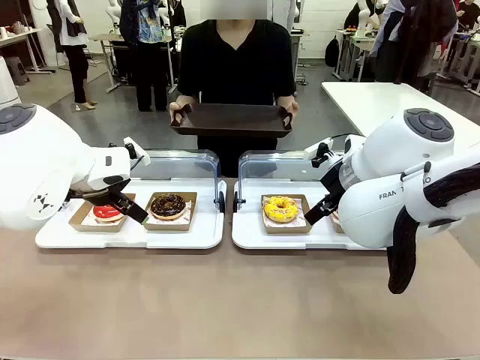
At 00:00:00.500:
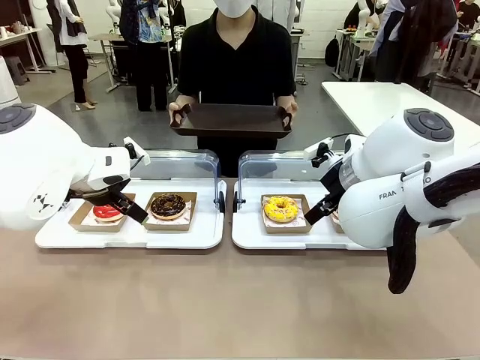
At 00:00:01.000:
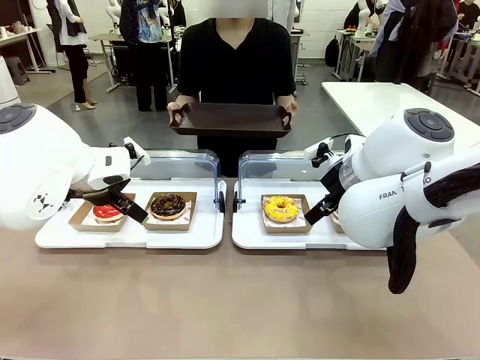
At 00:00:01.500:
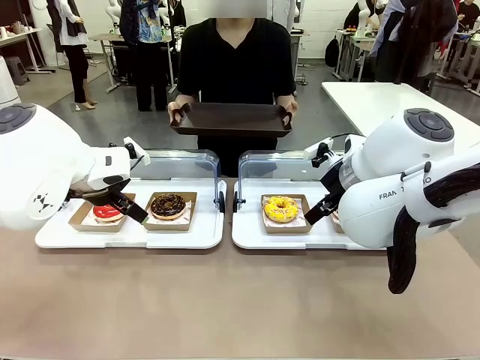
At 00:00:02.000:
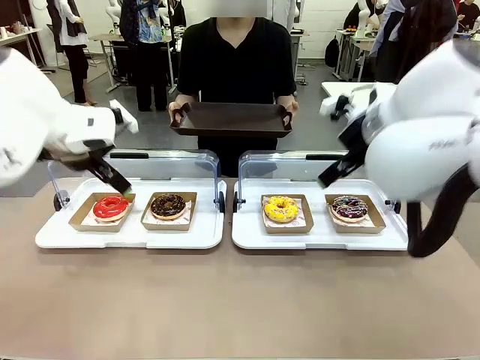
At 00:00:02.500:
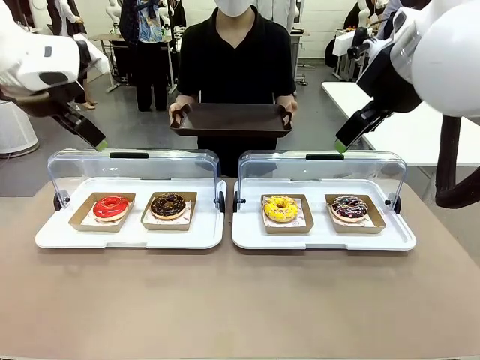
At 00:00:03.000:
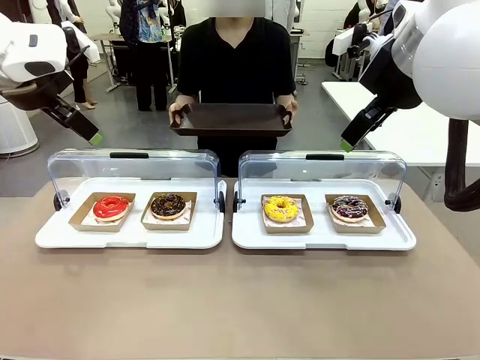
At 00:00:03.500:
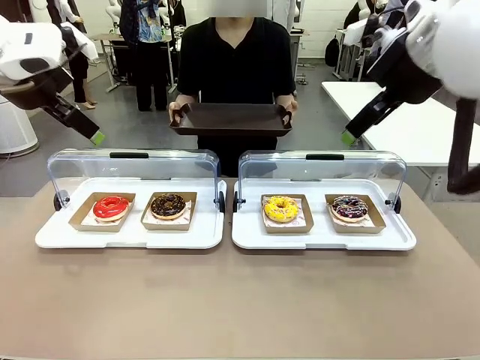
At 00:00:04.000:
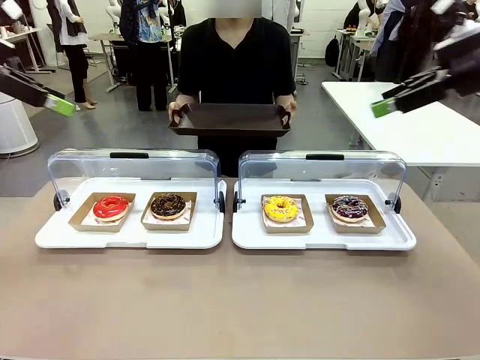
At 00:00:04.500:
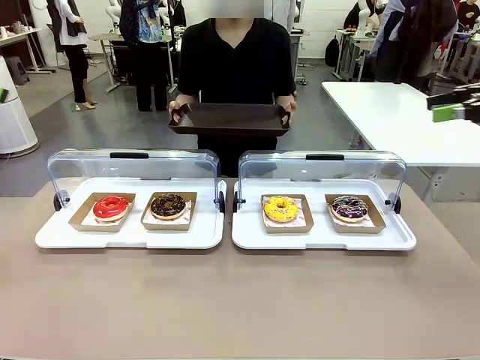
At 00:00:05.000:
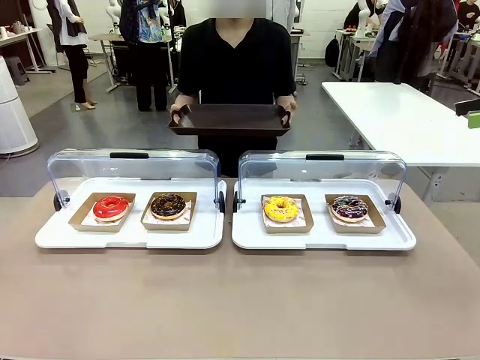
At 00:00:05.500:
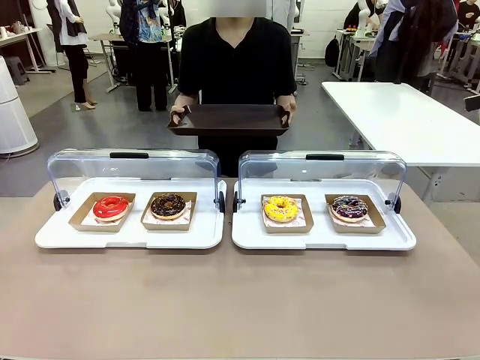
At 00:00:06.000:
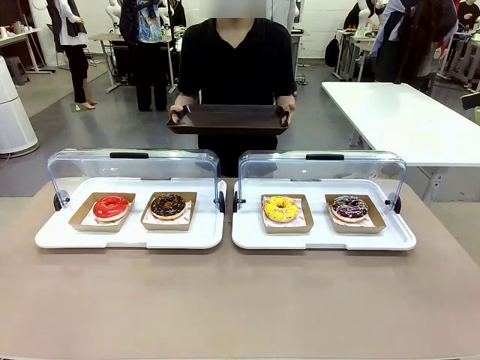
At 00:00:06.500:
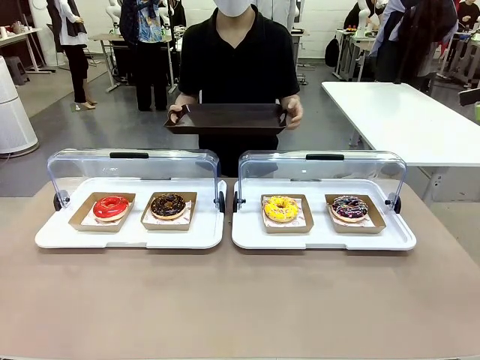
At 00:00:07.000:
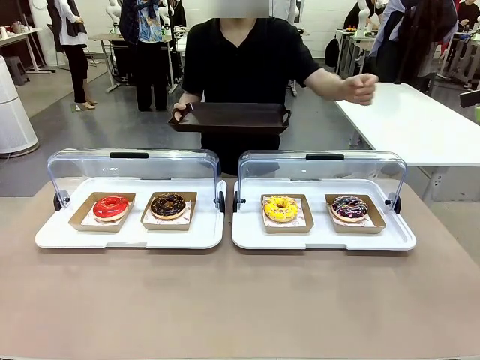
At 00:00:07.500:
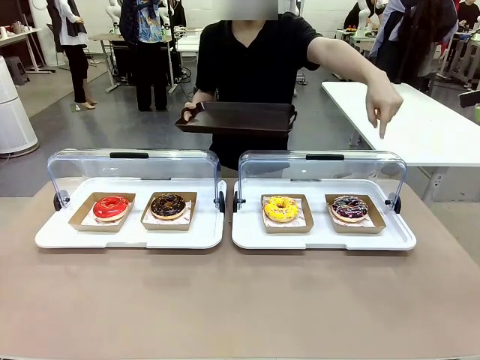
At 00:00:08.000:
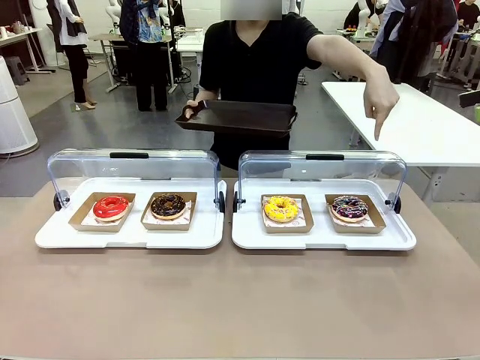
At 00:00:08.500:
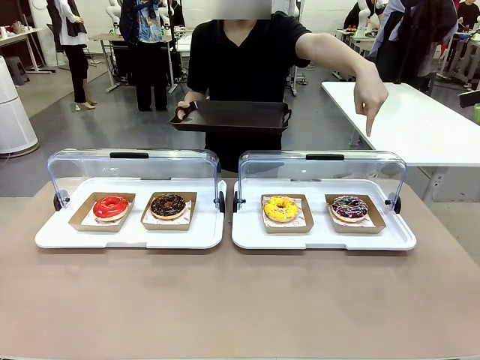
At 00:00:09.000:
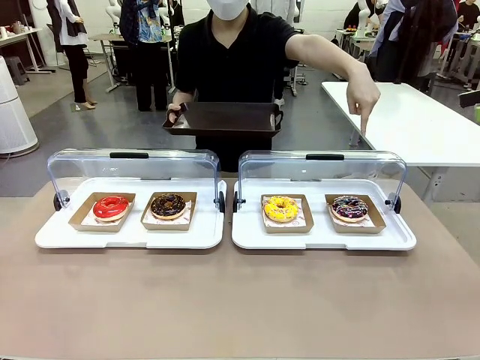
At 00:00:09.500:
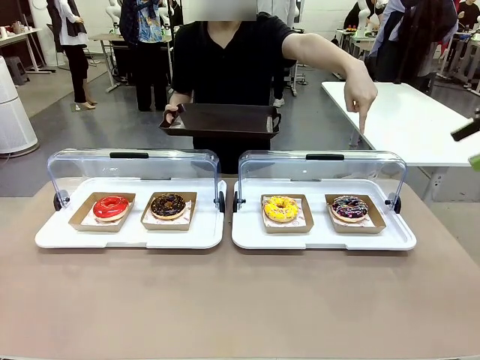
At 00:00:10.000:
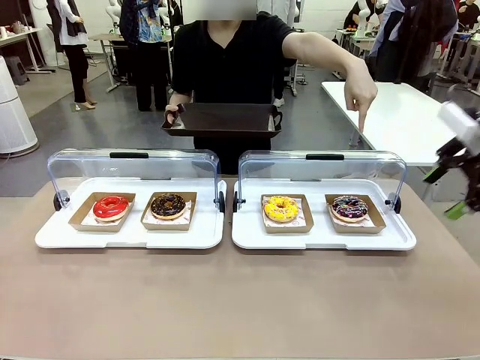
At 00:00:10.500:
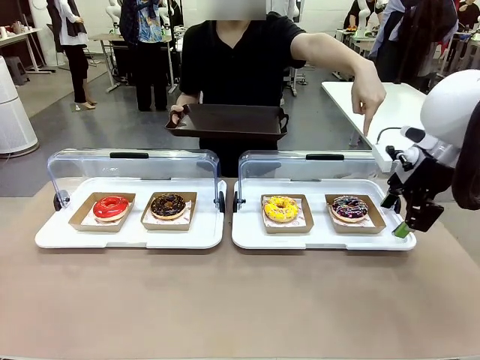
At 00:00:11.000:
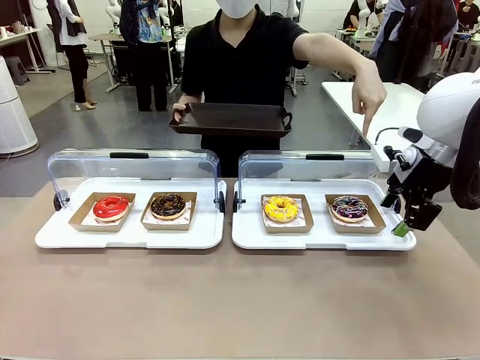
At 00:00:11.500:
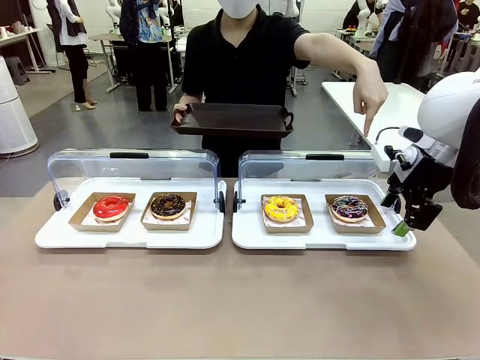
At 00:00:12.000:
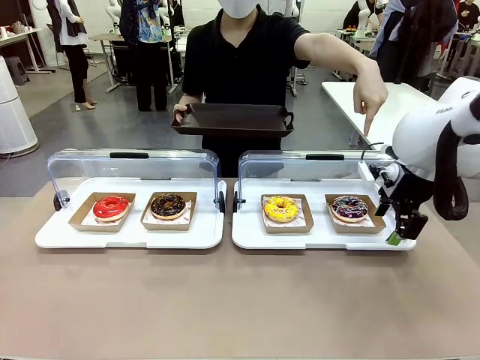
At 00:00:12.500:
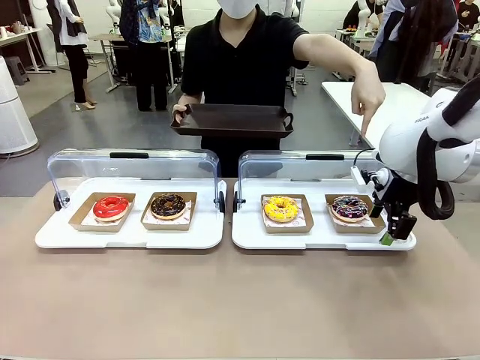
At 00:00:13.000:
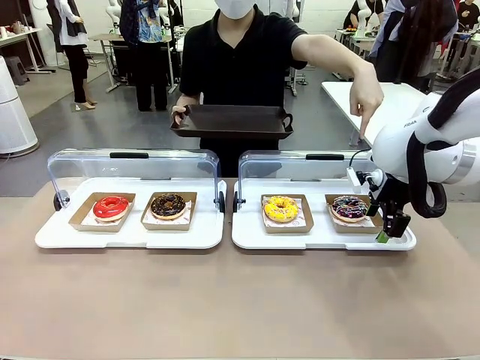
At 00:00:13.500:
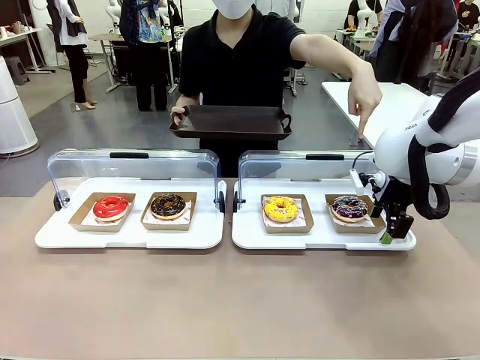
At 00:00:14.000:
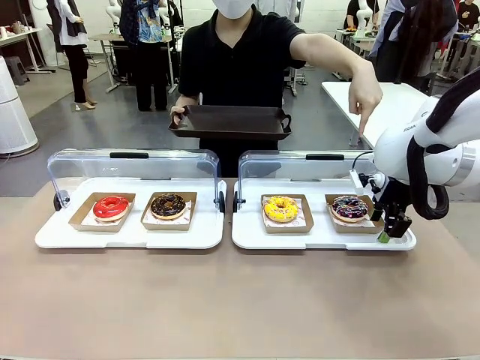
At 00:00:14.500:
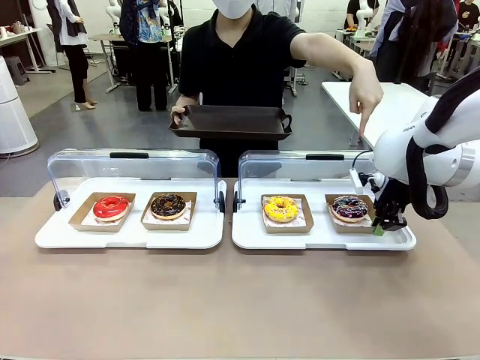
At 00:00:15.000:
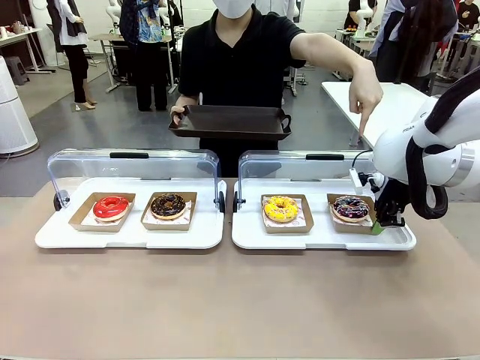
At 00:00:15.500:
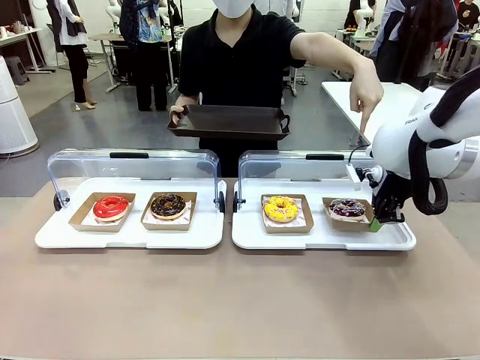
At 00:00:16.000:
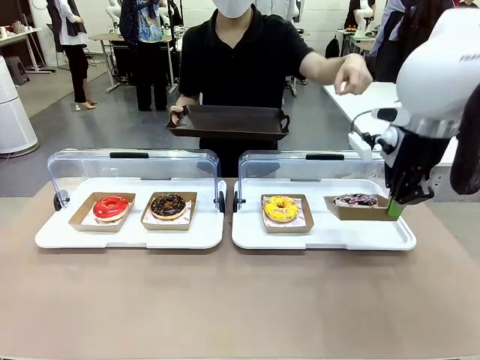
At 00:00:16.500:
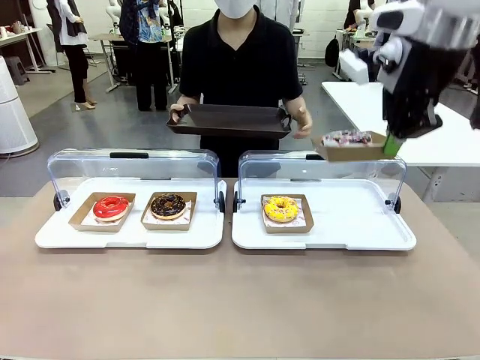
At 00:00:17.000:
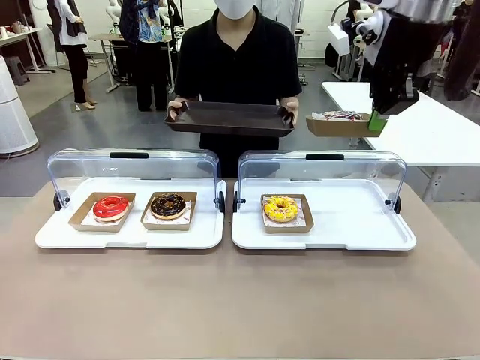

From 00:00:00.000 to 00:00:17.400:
Task: Provide the desired donut to the person.
Robot: Pick up and lift the Paper togo box containing the Donut pointed at by the person.
Person: Point to one donut. Lift the tray onto the Roll-Top Bakery Case.

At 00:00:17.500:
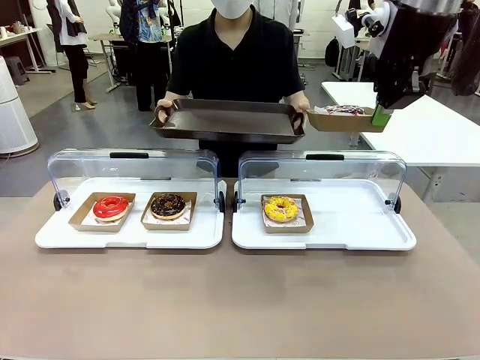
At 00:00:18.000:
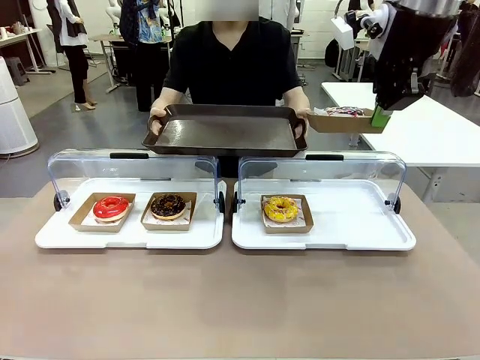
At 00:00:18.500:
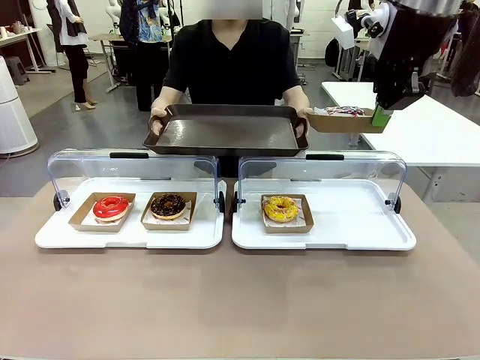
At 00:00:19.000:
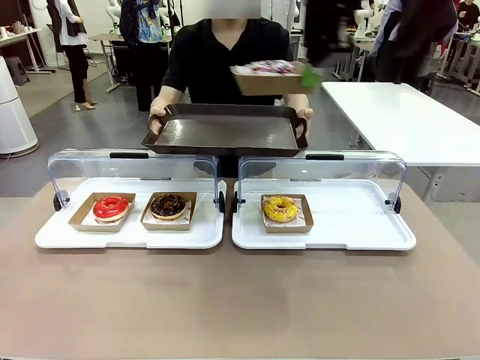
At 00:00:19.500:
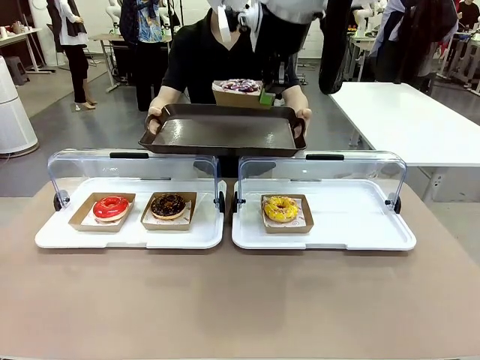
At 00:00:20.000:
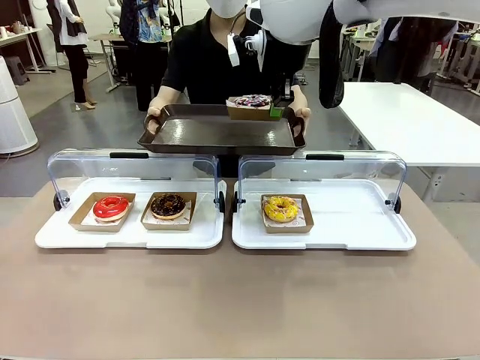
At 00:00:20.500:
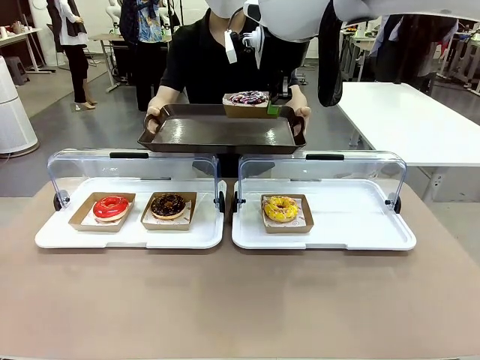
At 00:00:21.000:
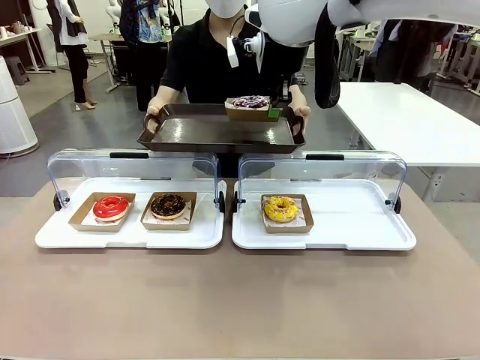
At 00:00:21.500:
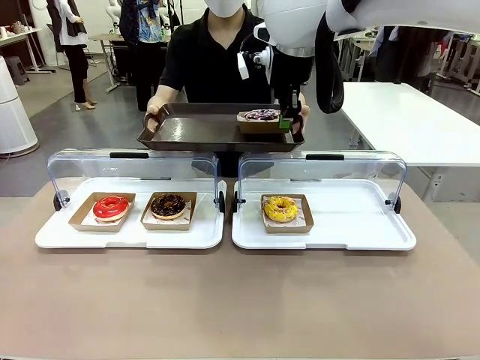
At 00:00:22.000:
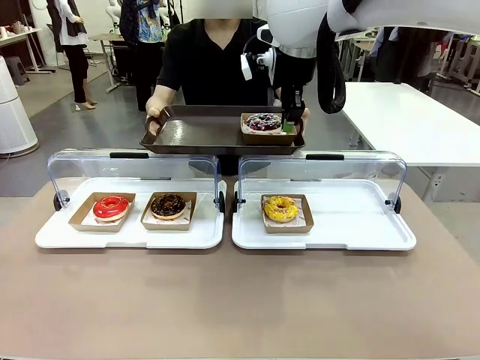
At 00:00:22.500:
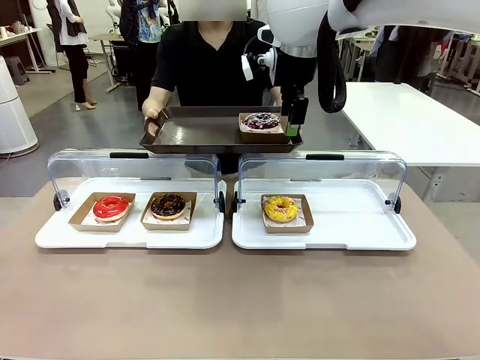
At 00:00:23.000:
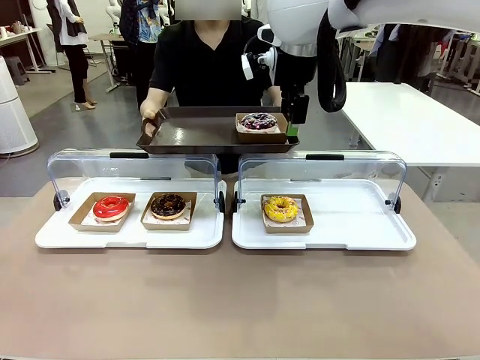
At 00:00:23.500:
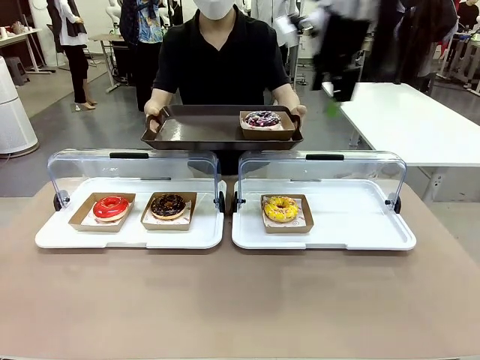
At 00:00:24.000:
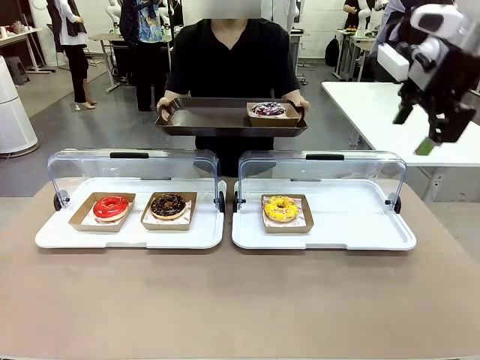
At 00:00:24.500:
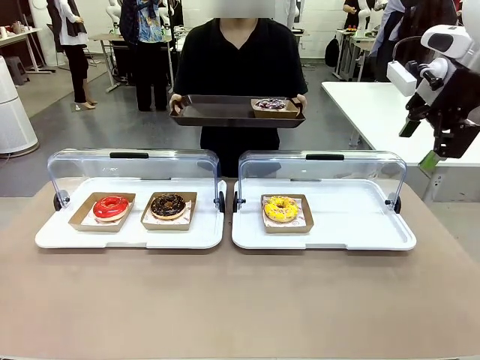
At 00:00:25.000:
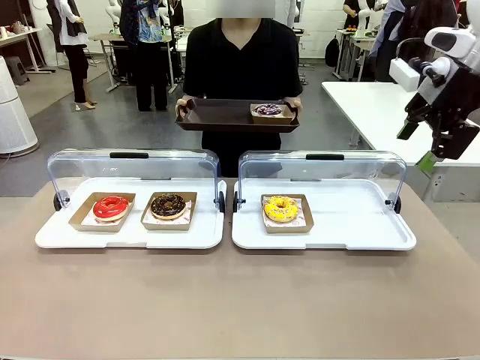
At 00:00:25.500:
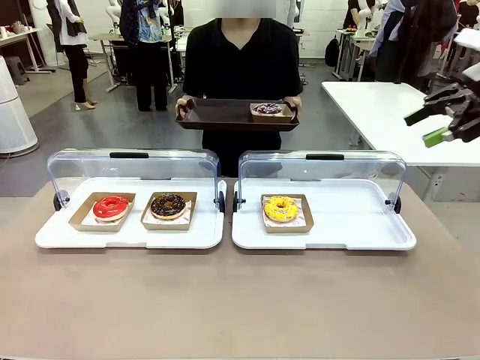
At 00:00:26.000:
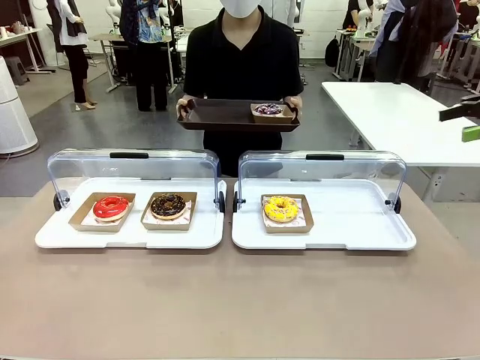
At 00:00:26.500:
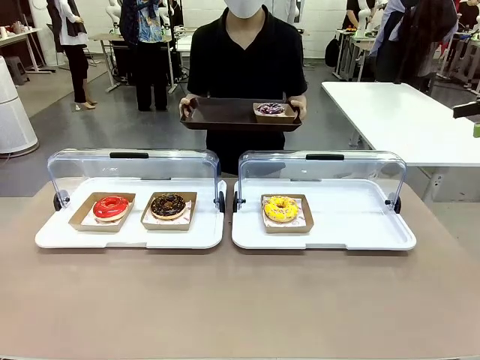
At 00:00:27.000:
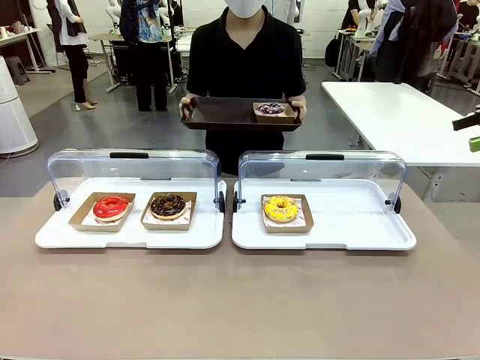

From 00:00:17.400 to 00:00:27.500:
Robot: Place the picked Paper togo box onto the Handle tray extended by the person.
Person: Point to one donut.
